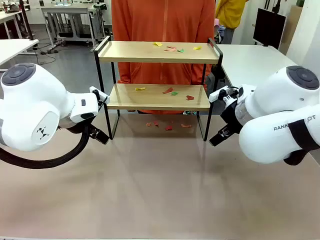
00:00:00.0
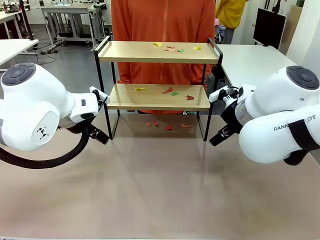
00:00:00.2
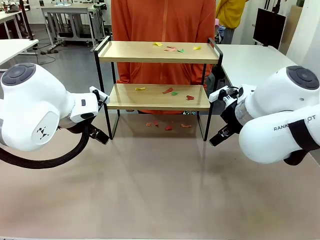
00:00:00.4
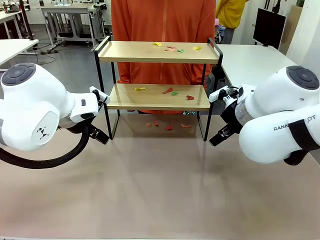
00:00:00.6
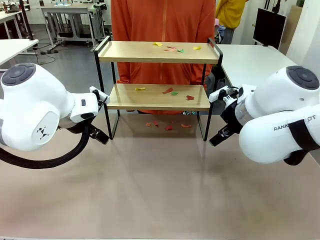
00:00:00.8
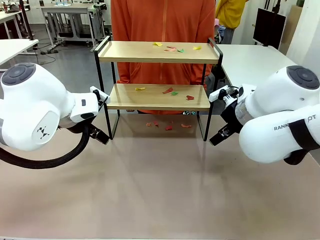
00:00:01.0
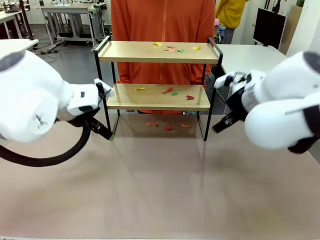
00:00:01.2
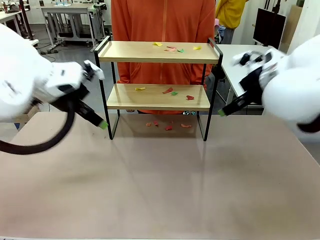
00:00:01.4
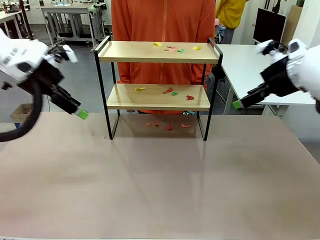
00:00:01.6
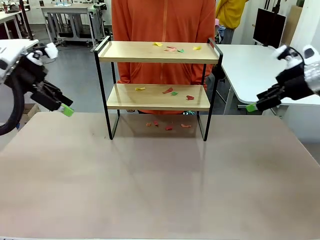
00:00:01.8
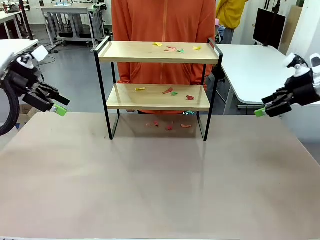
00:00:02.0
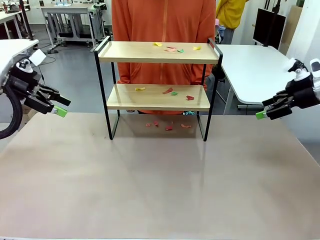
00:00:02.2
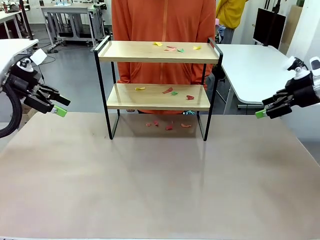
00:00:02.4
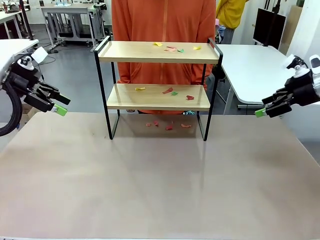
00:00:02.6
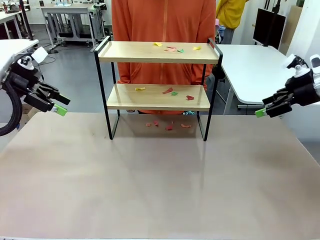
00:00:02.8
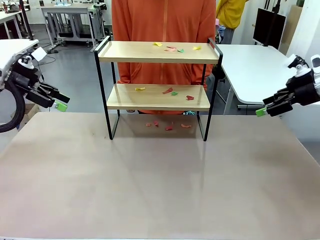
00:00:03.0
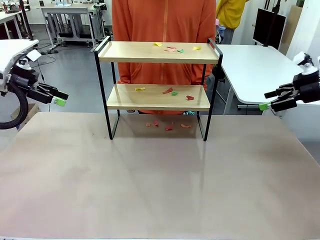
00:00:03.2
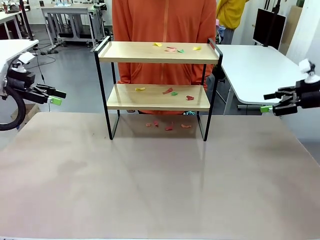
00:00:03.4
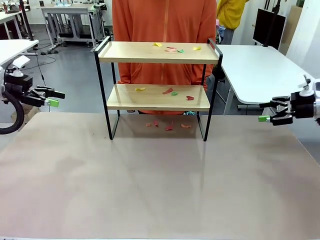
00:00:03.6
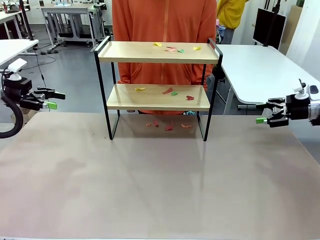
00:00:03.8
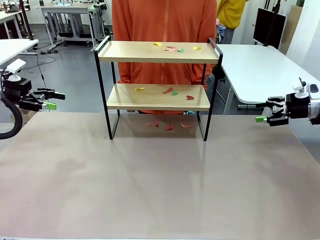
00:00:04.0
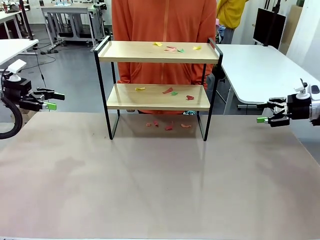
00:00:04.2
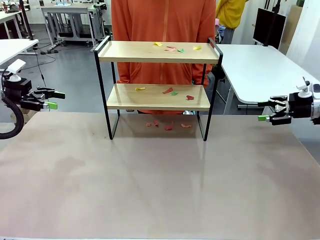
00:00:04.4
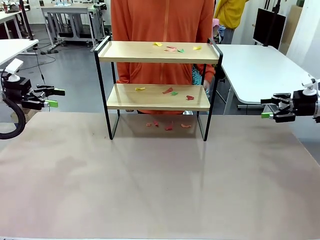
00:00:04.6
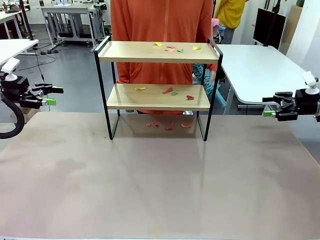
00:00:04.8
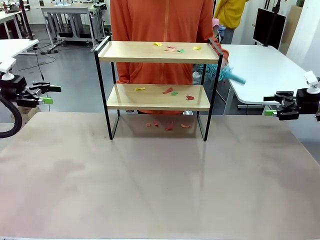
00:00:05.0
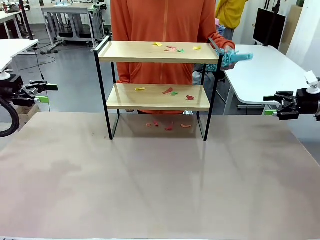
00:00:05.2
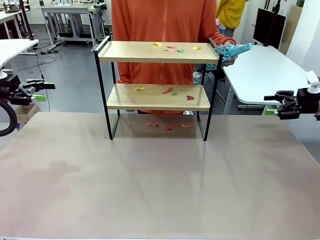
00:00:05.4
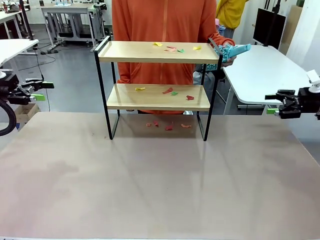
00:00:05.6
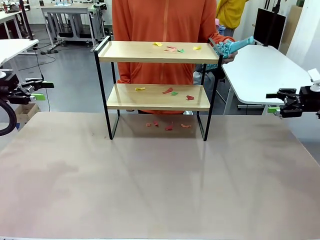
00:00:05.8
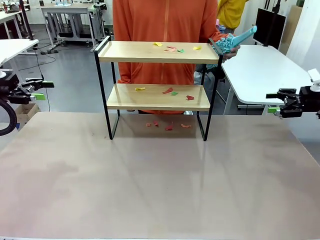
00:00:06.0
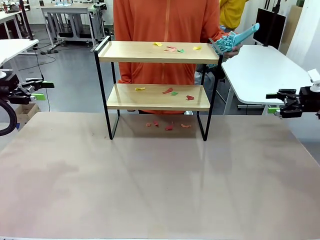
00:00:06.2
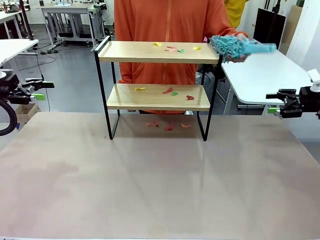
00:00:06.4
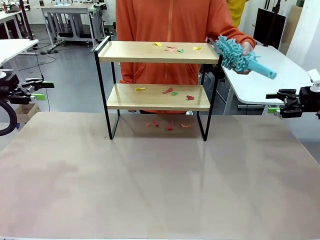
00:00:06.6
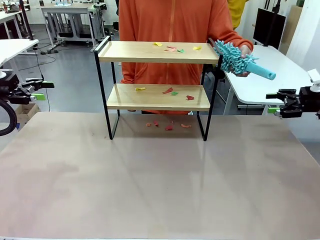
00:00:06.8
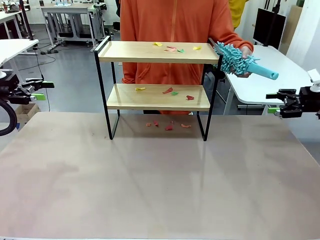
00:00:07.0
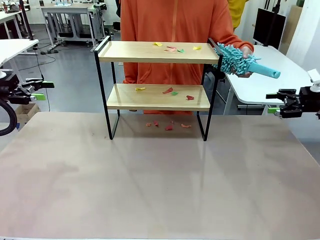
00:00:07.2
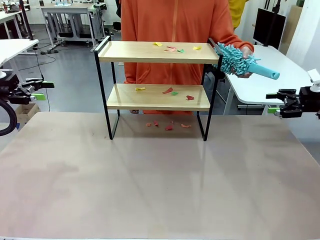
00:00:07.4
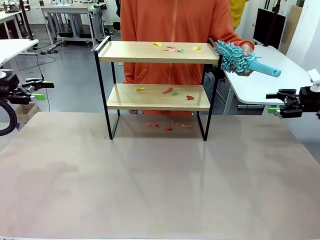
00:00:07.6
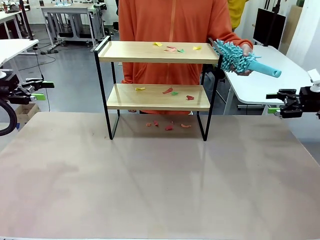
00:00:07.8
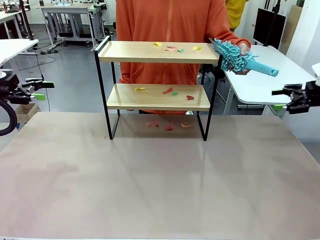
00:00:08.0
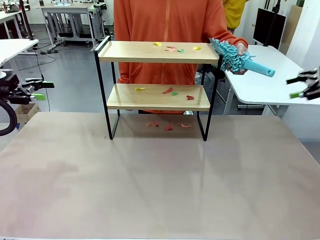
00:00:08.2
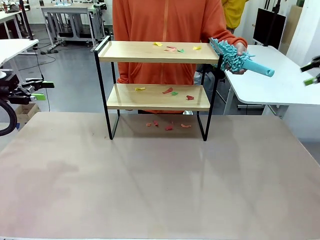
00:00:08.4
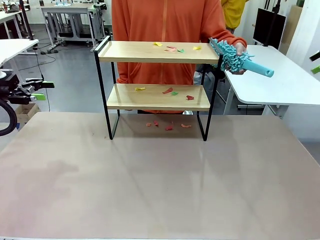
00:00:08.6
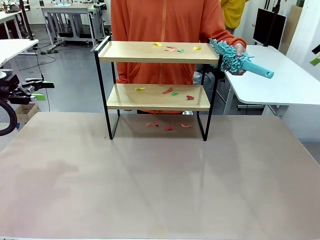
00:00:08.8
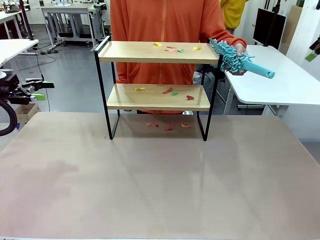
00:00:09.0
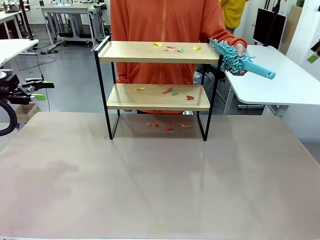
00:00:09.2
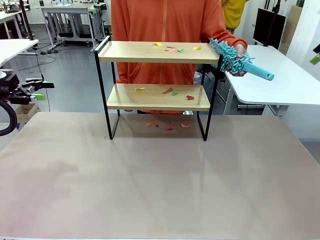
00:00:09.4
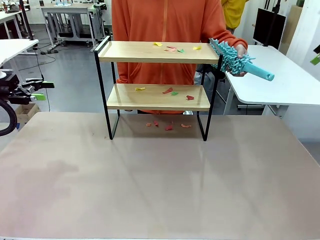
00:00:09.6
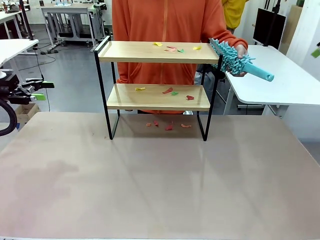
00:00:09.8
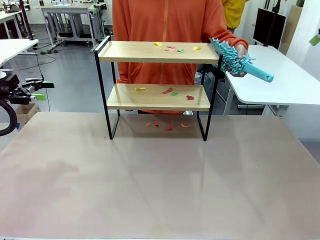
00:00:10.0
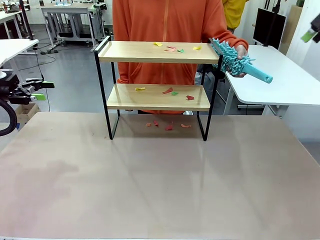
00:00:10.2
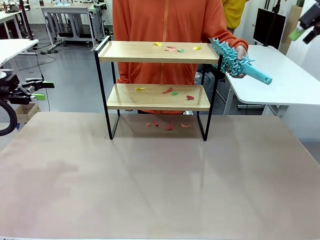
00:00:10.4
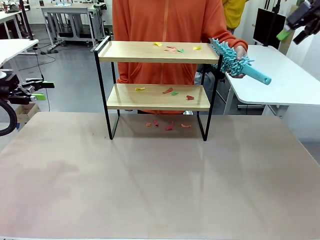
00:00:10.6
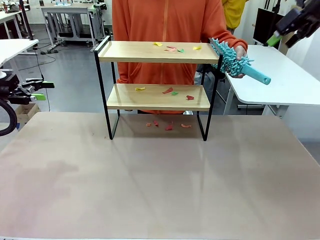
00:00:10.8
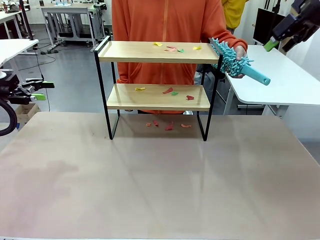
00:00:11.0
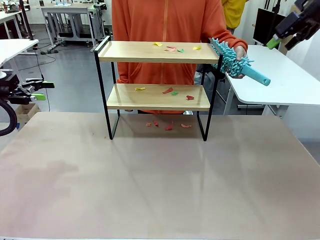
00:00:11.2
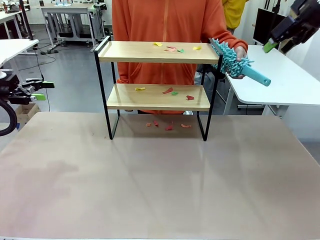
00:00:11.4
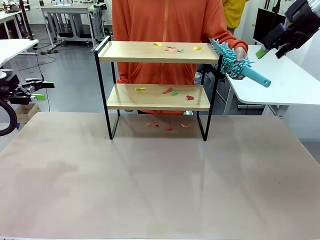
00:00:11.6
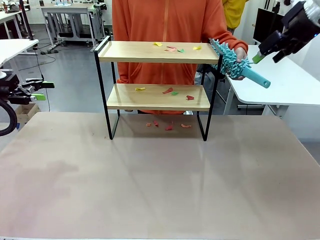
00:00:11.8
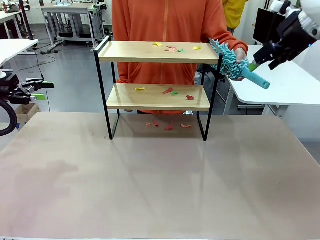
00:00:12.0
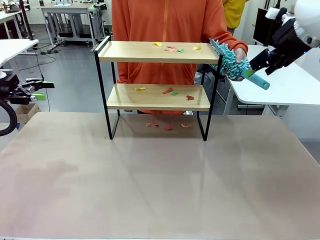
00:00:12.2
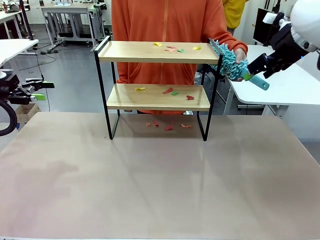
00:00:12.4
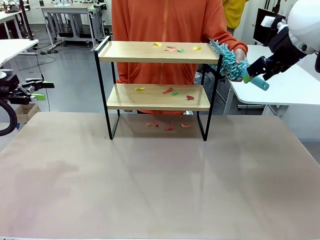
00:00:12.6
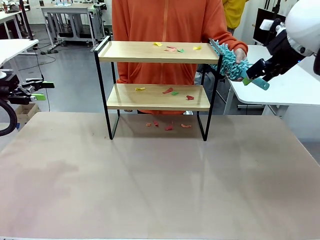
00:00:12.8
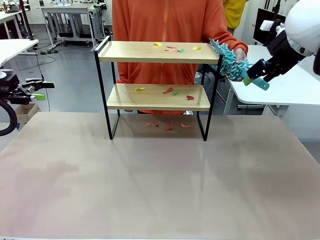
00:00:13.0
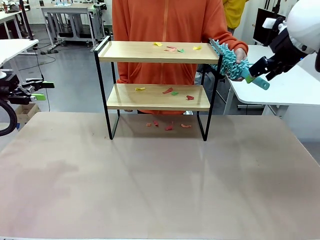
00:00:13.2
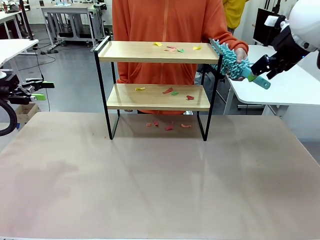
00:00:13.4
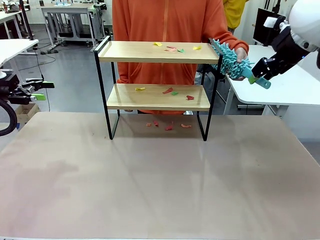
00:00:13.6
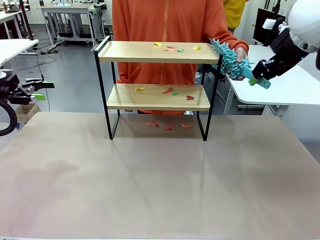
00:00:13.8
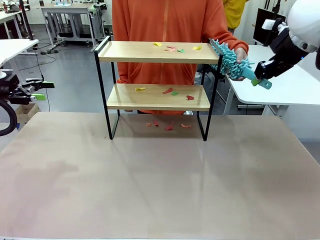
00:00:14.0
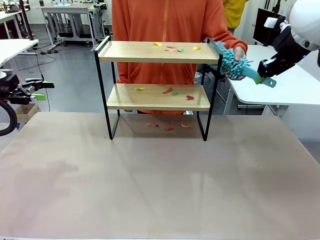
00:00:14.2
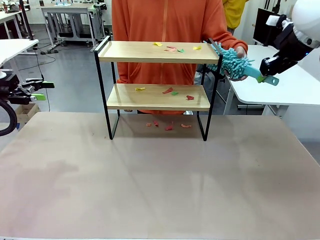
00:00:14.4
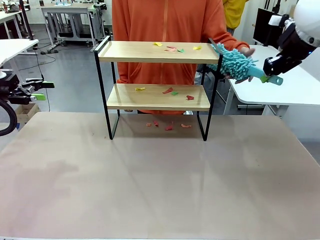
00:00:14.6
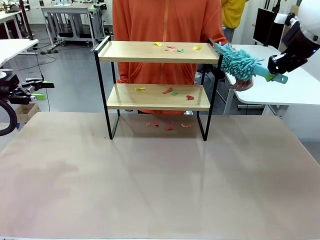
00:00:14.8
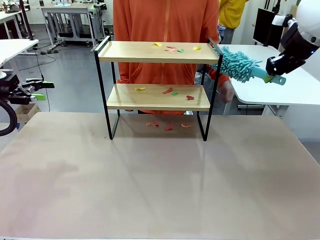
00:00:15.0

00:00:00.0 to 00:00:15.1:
Task: Clean the shelf.
Robot: Pick up the Duster handed by the human.
Person: Hand the Duster to the robot.
